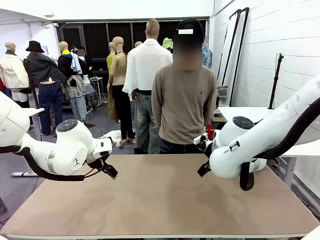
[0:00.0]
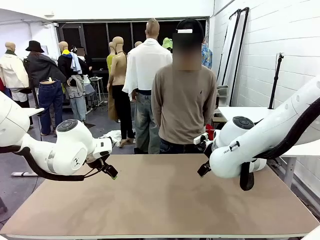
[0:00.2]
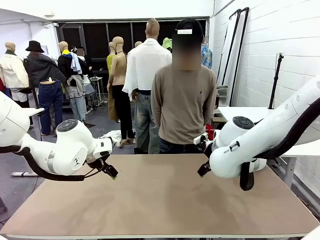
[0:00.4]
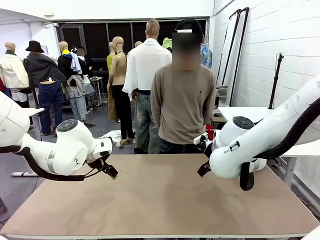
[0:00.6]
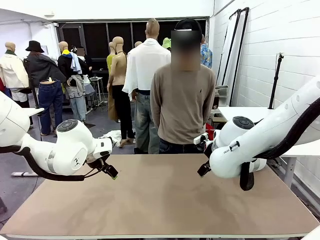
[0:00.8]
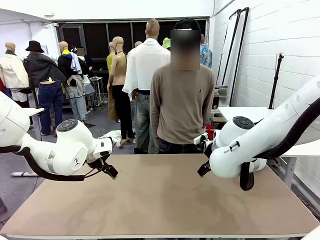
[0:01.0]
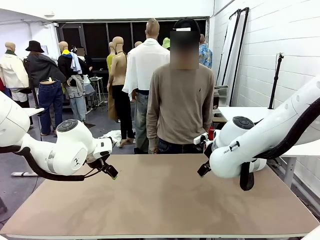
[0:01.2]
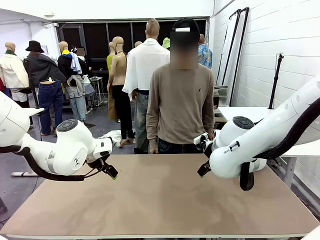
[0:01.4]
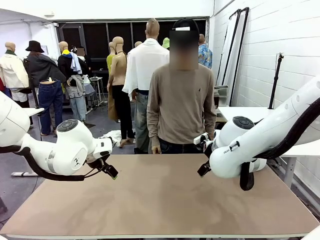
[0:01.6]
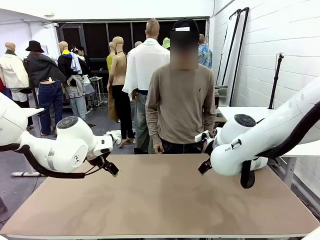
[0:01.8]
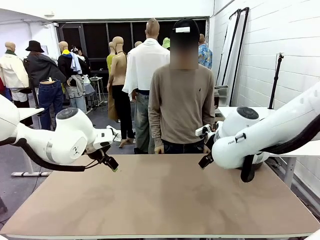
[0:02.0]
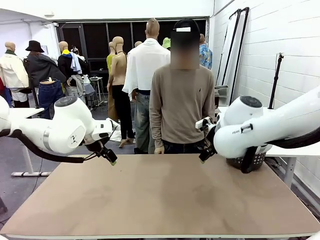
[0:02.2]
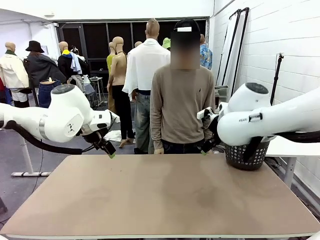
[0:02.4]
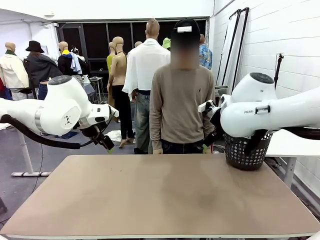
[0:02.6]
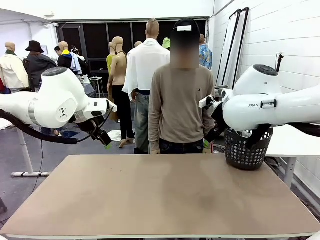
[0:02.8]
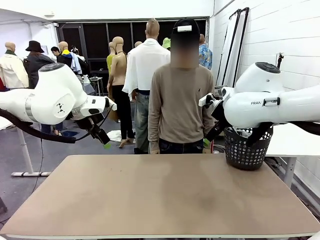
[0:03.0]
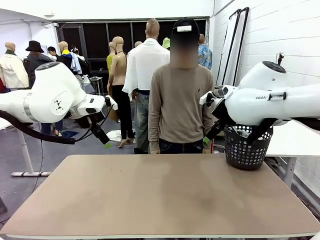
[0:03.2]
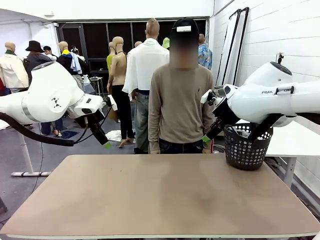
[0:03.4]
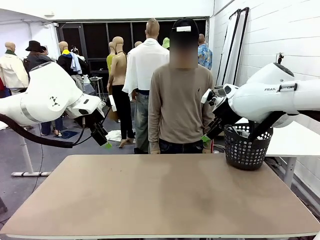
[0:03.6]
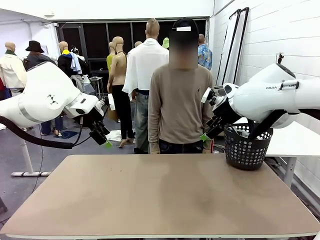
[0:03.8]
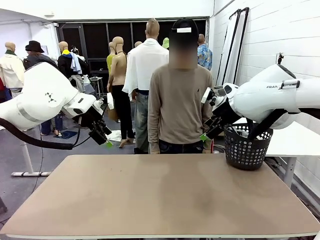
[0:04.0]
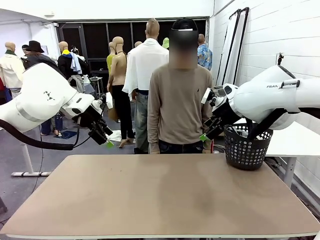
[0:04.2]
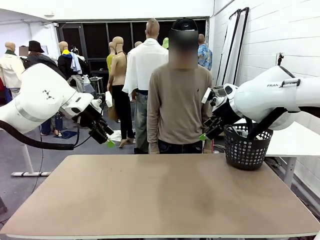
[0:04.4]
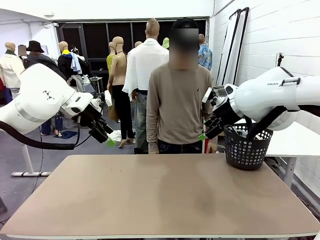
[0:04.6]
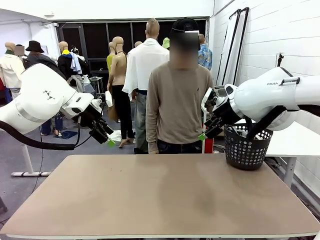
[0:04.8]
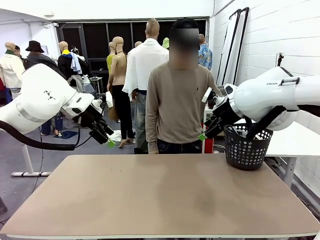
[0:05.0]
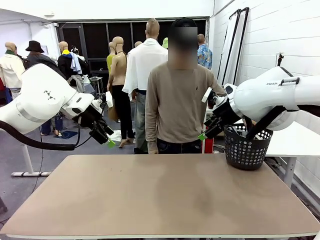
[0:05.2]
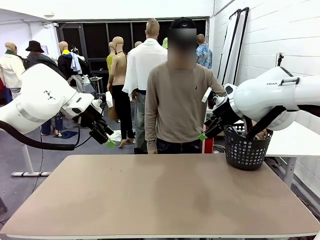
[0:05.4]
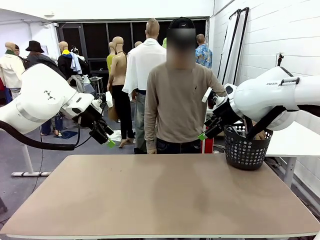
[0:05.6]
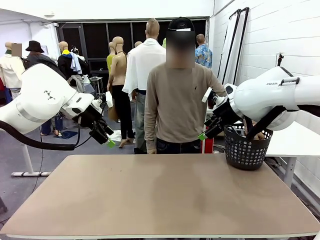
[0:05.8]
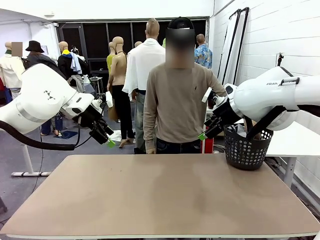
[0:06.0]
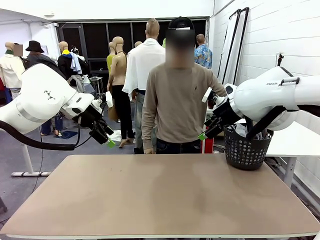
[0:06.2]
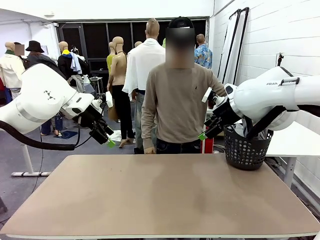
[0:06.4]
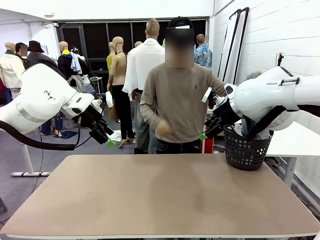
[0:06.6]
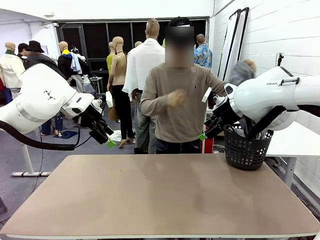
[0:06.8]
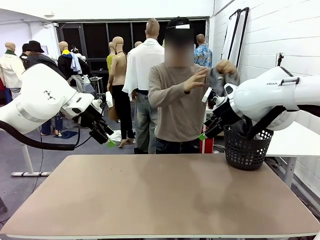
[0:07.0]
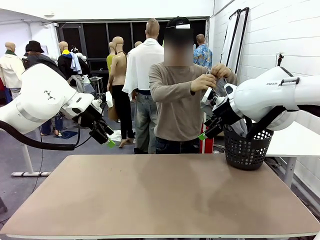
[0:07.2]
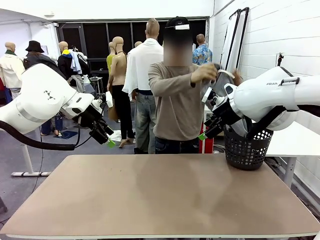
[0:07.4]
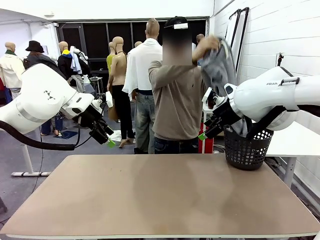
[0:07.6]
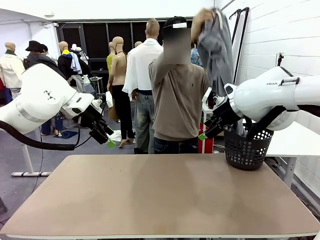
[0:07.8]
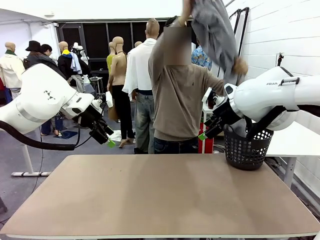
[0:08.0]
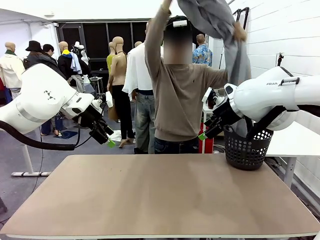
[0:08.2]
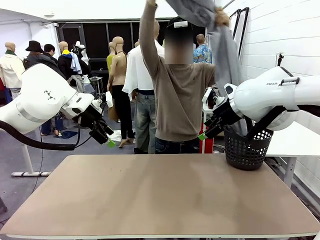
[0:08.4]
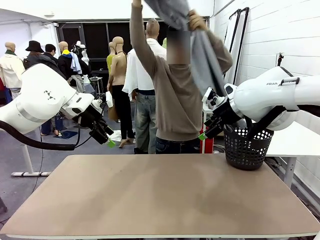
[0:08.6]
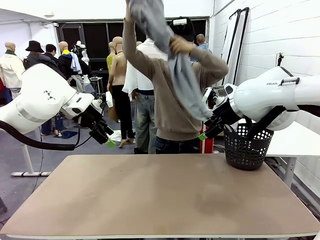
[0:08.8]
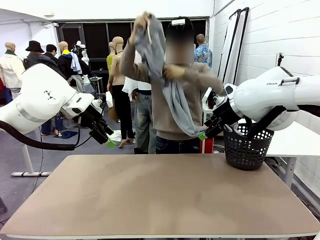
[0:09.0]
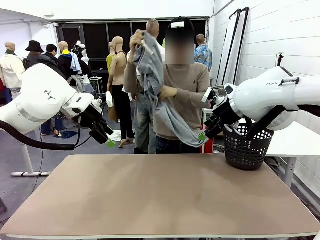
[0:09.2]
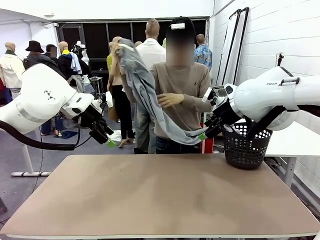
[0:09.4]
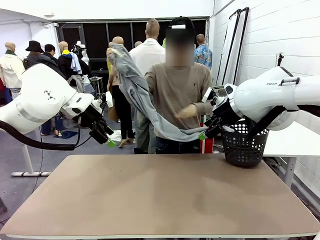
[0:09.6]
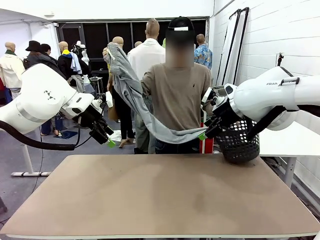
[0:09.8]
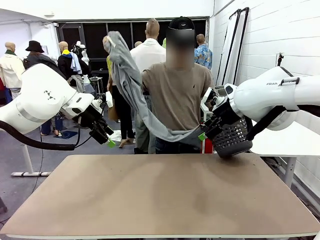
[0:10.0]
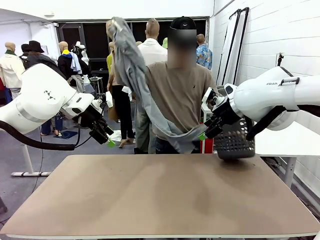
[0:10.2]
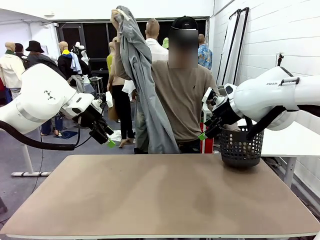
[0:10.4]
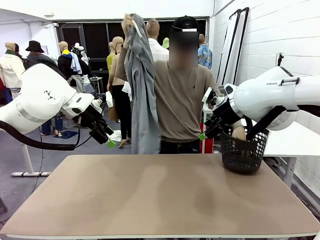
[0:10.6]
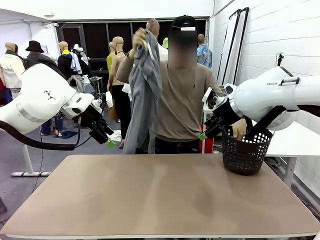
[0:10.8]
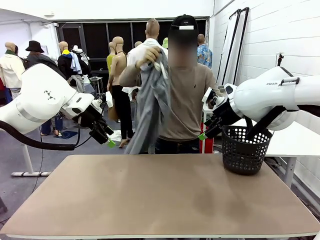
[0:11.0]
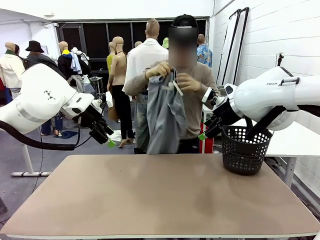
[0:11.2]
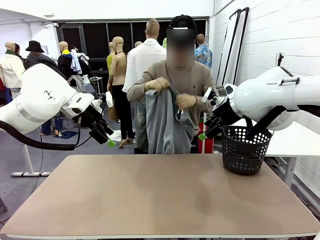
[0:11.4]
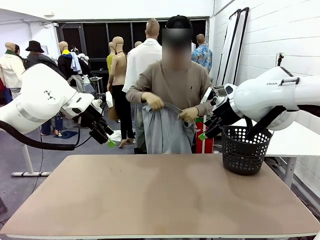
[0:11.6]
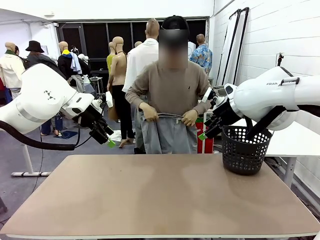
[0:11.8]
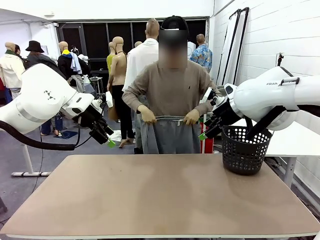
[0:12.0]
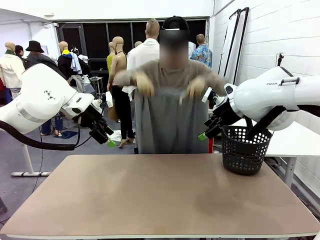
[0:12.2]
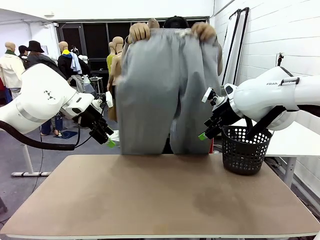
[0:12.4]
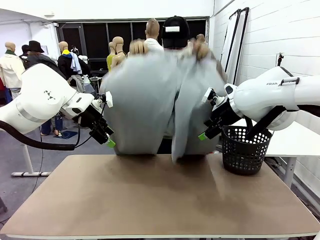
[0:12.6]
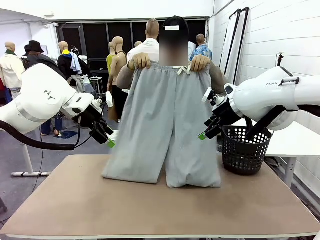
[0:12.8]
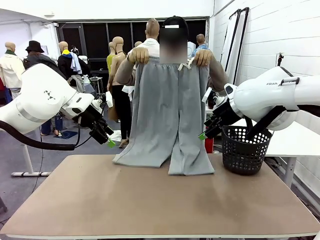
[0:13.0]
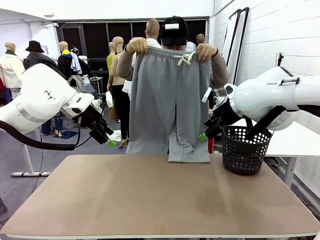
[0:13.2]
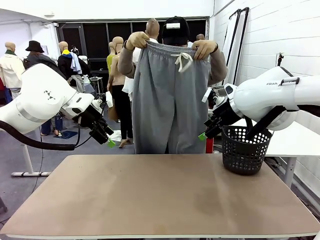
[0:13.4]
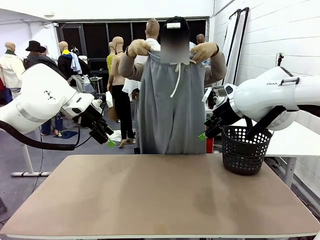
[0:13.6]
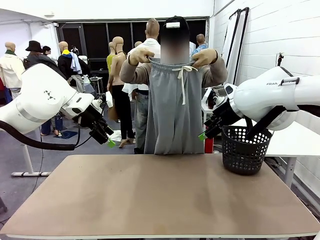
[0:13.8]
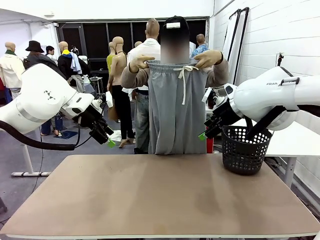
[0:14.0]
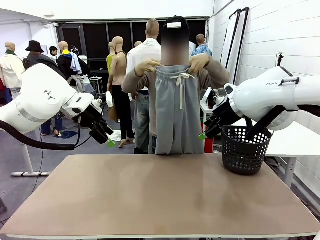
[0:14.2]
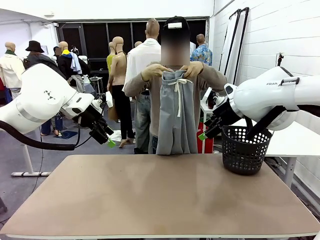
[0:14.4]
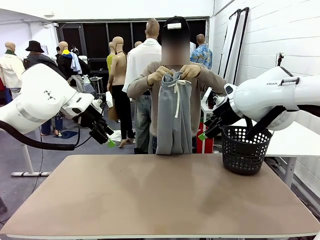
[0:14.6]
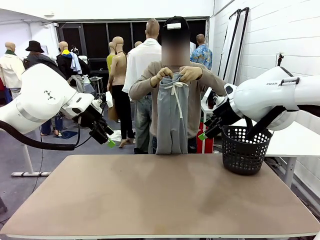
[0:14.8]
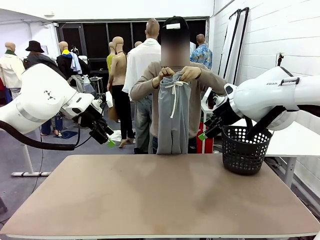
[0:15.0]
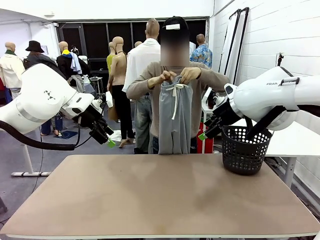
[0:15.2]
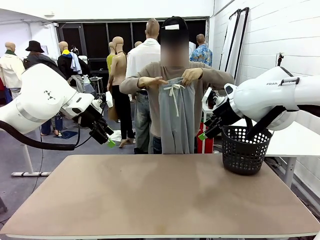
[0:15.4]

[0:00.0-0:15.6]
Task: Fold the training pants.
Robot: Grab both ends of the Training pants handed by a person.
Person: Take the long pants out of the laundry basket, unfold them, fold the waist in half, and extend them so the robot can pick up both corners.
